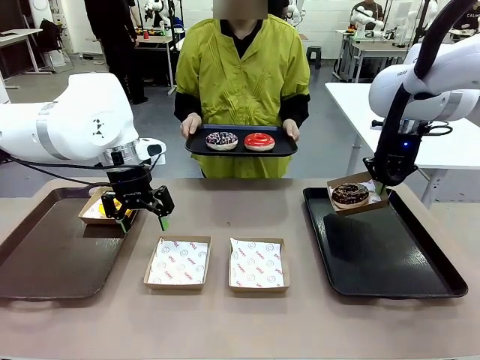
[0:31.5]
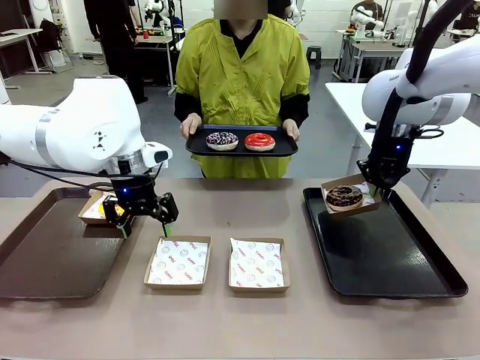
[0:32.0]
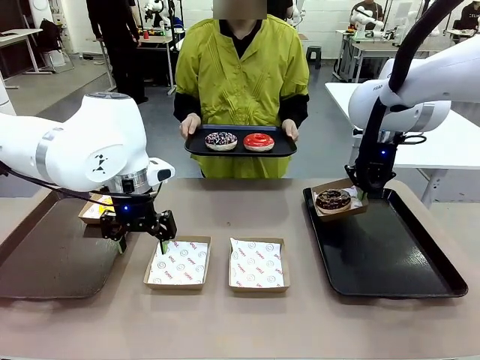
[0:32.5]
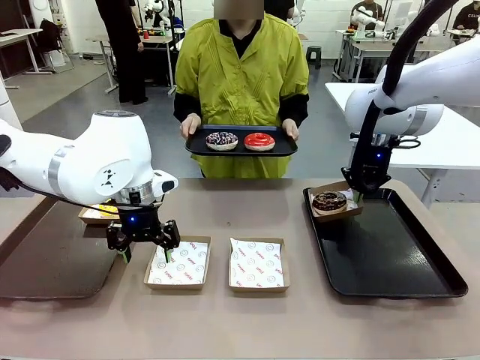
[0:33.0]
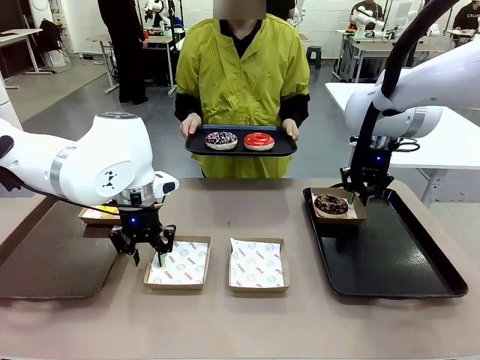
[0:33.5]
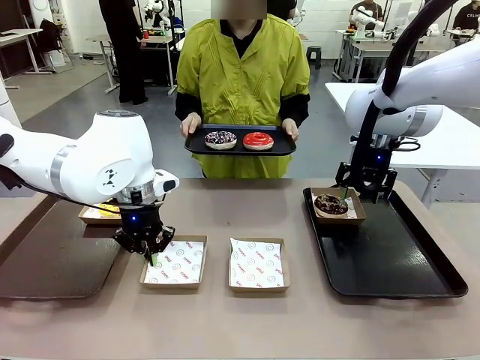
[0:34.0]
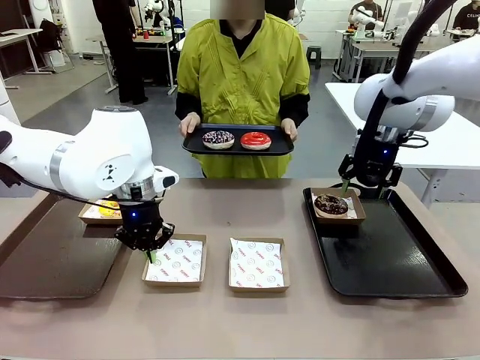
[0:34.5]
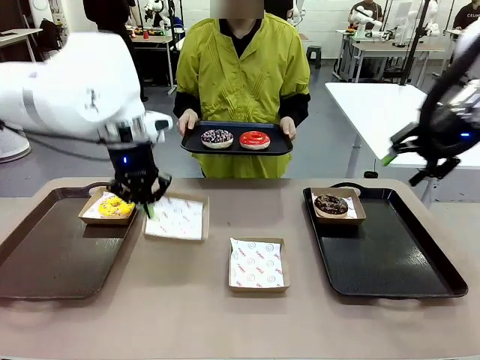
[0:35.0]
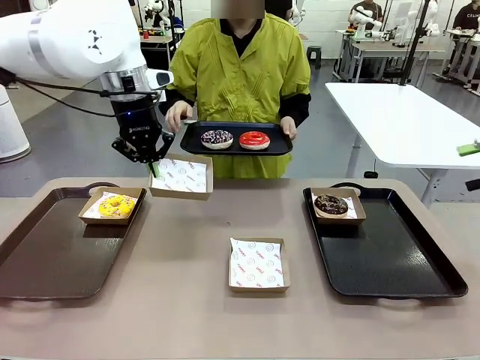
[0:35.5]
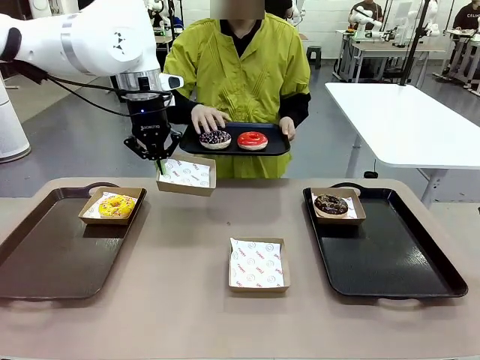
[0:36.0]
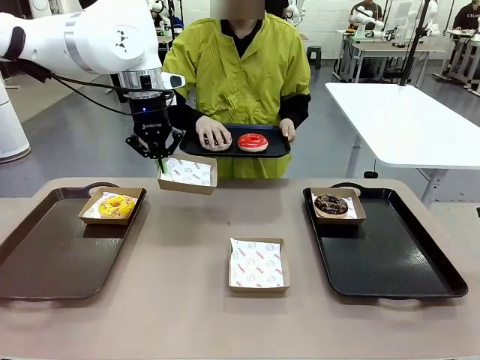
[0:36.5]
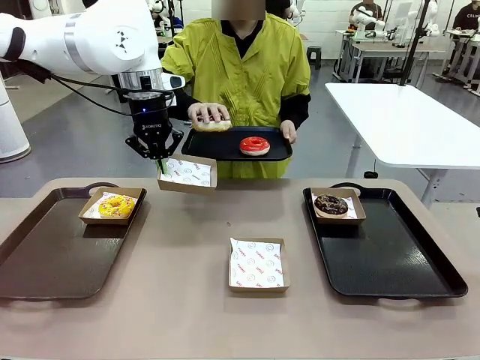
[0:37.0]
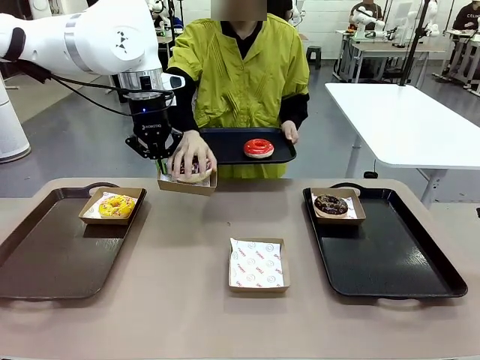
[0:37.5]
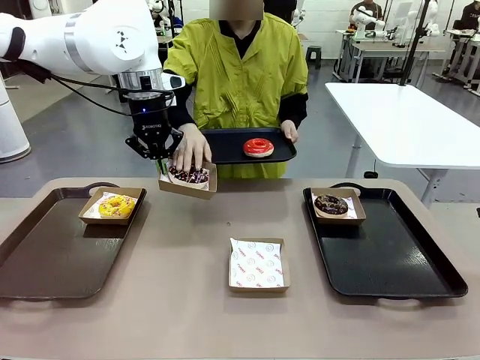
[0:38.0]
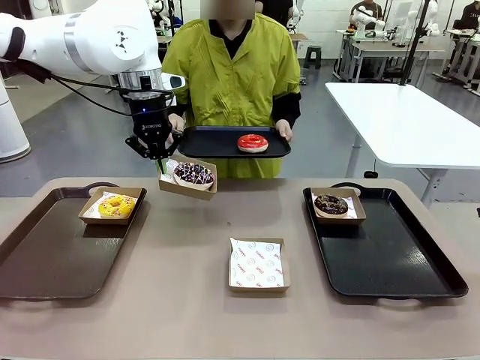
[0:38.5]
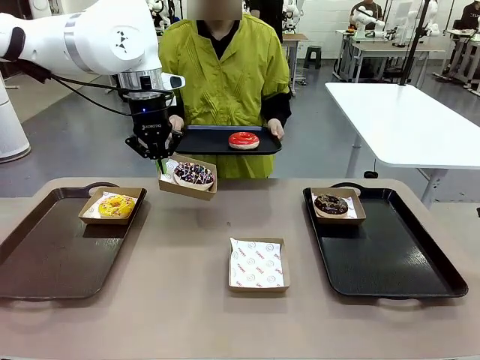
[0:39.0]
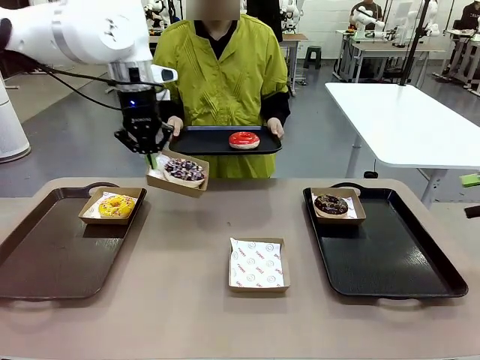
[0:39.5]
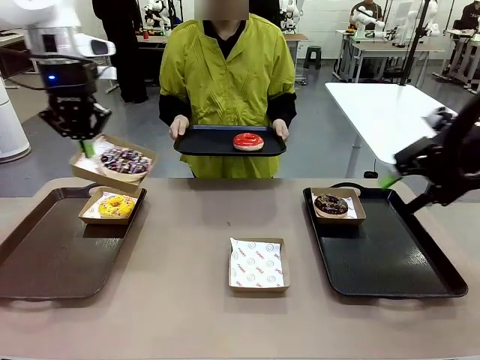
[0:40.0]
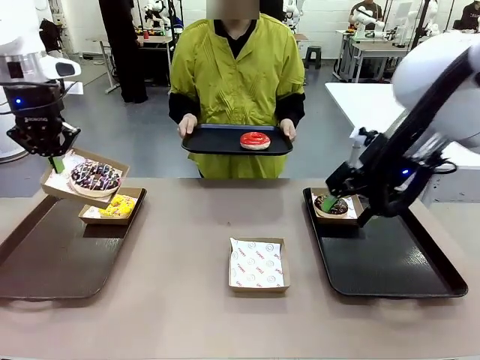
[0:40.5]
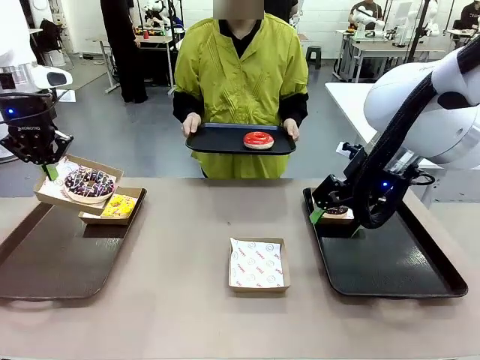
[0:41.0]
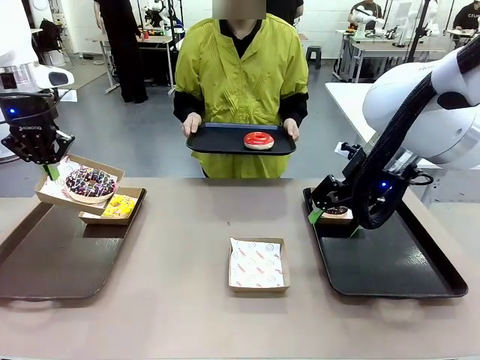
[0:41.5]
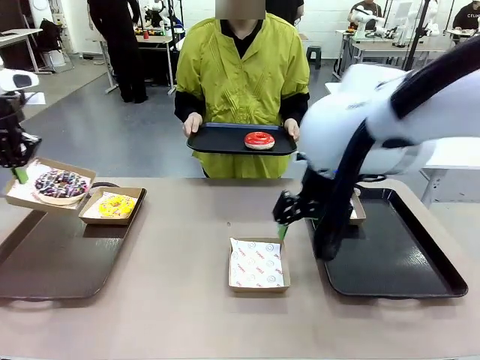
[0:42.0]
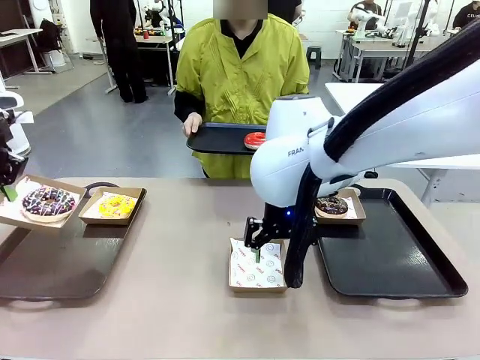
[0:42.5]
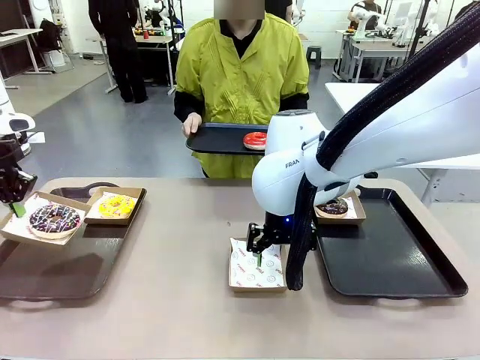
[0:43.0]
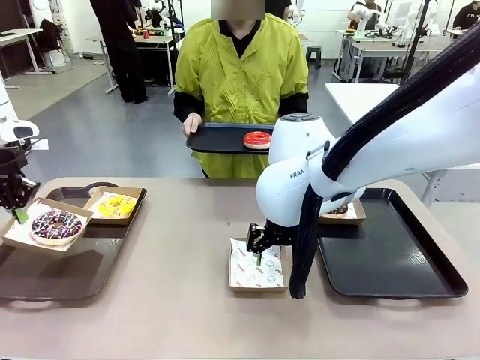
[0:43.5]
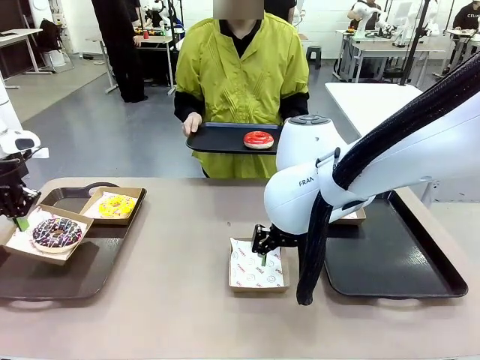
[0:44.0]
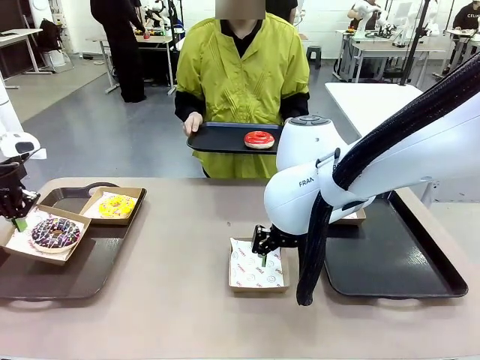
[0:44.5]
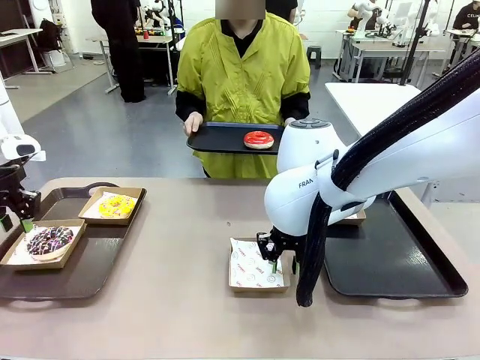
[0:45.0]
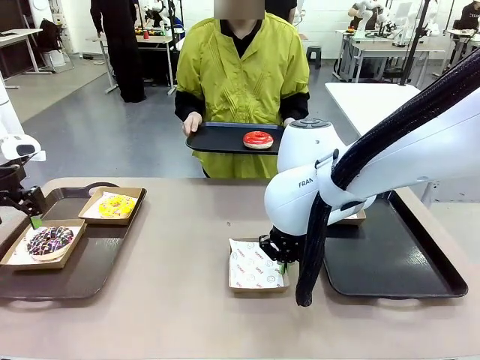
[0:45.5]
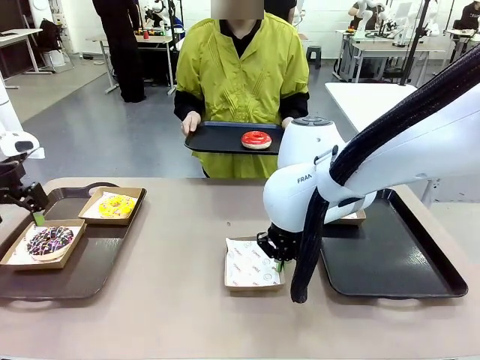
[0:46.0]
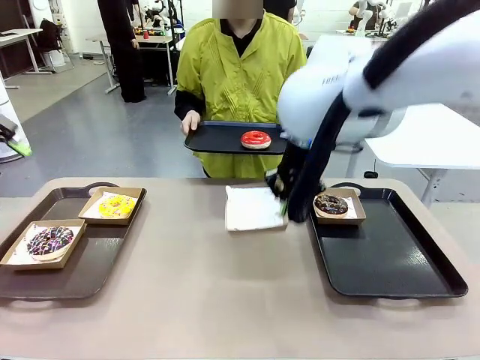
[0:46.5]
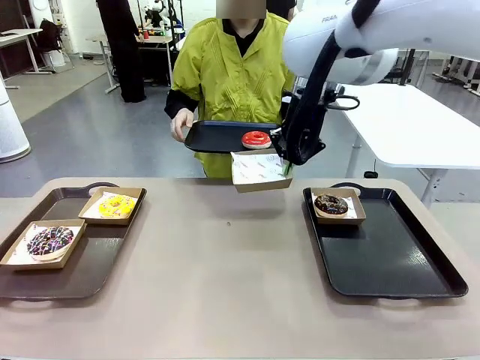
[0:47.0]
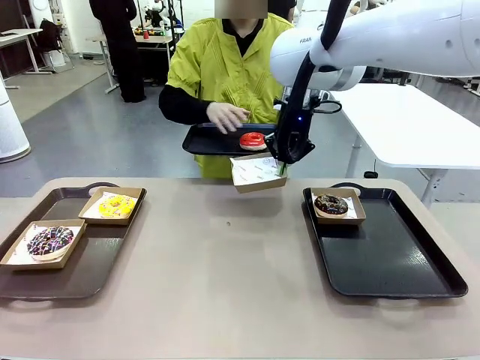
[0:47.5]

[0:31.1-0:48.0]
Task: Individually package the donuts and arrange them on the tray.
Robot: Place the picked Paper togo box on the Handle tray while simultaneously picking up another Paper togo box from the table with the other hand.

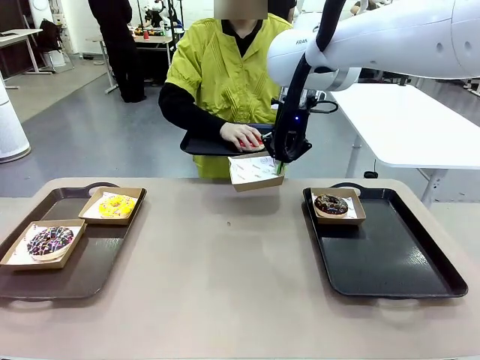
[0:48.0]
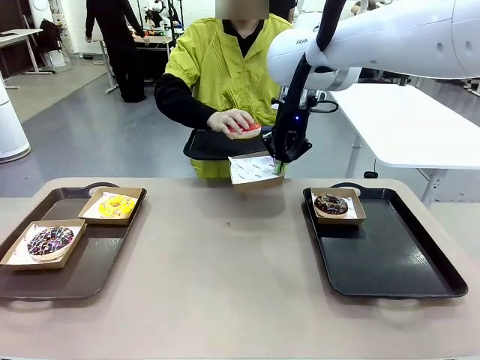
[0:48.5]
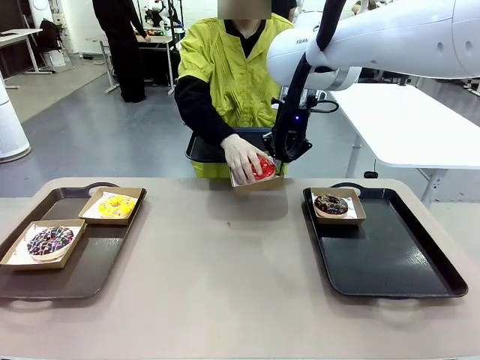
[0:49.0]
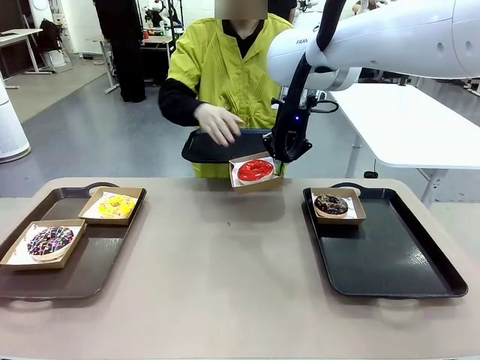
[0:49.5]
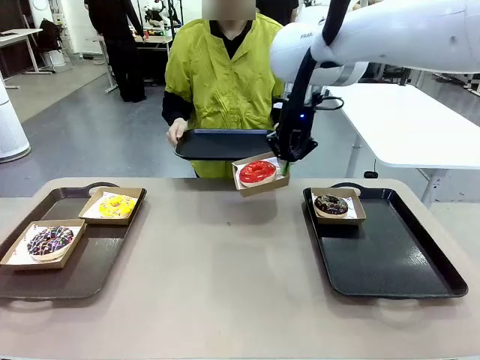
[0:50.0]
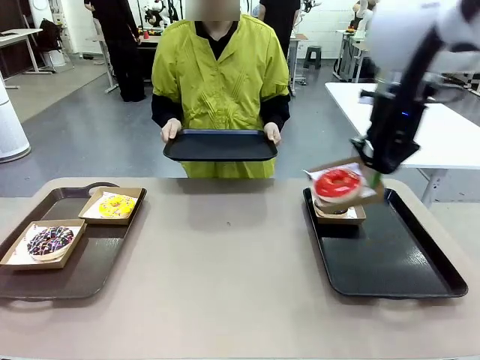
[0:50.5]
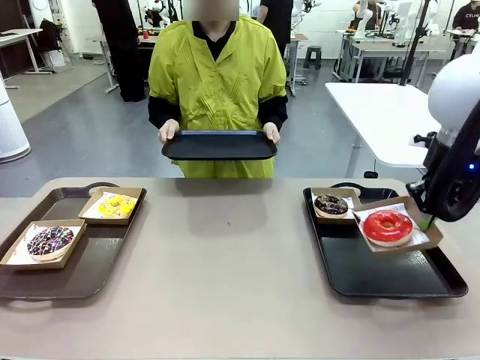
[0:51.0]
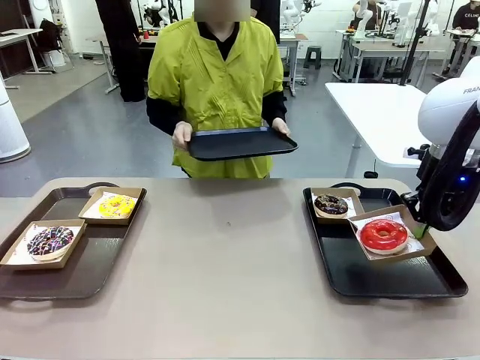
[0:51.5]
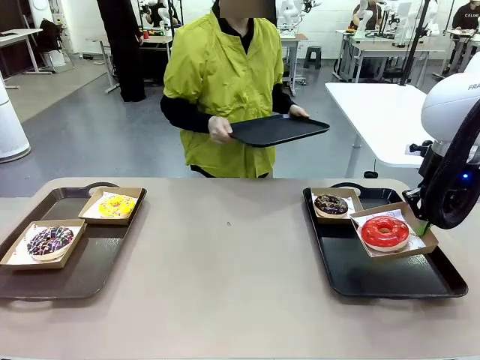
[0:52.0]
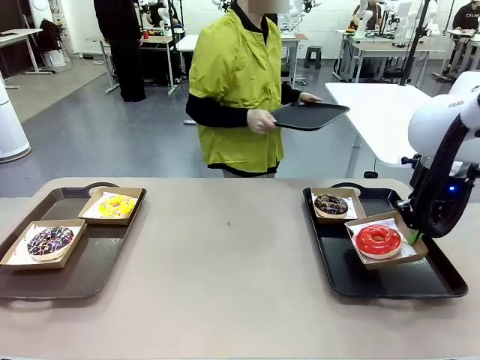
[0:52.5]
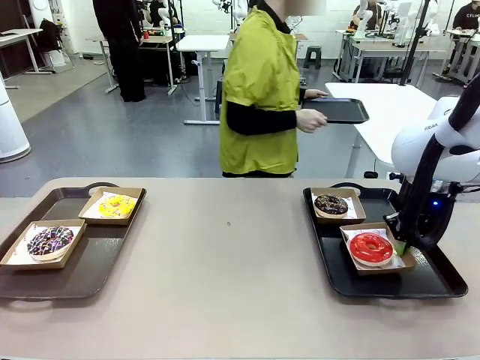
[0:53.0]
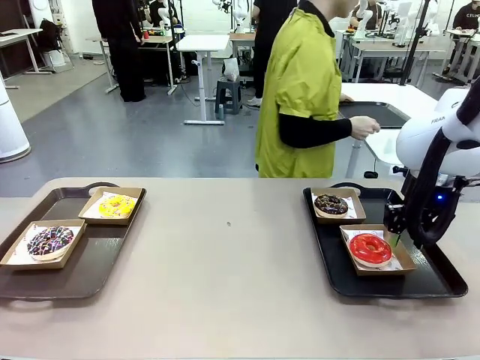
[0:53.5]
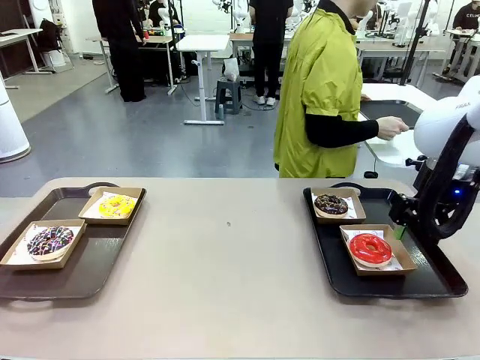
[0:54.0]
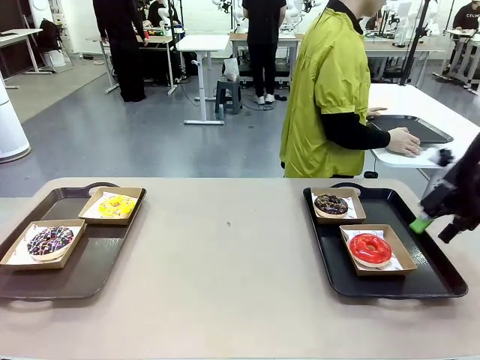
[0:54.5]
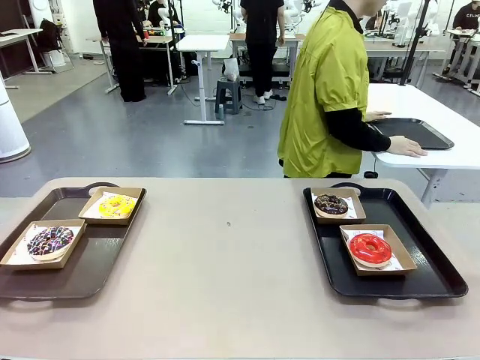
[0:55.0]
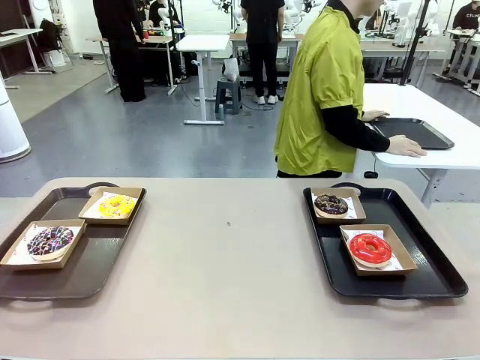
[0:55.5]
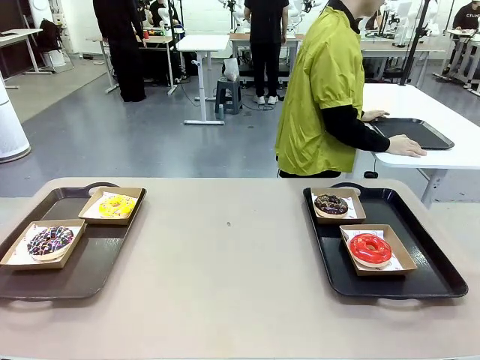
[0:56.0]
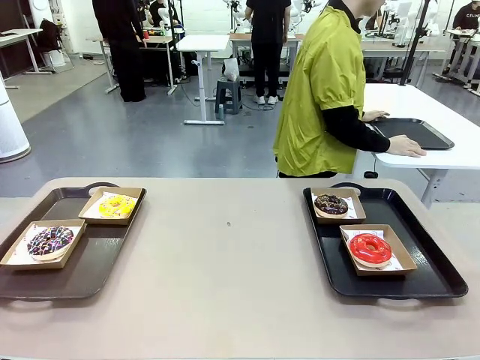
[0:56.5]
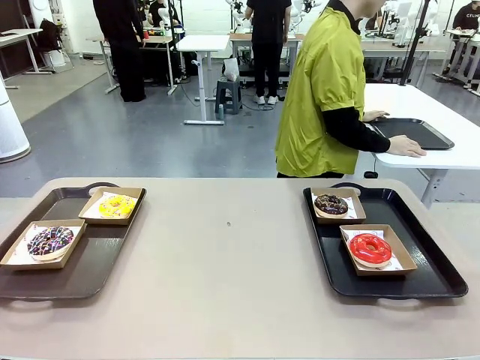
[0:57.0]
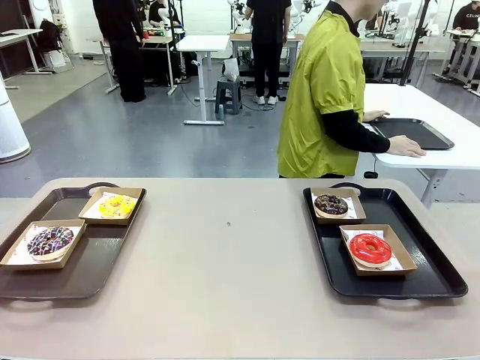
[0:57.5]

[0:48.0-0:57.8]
Robot: Place the picked Paper togo box on the Handle tray.
Person: Place the tray down in the middle of the human table.
